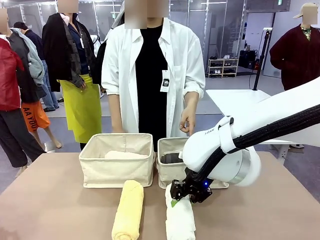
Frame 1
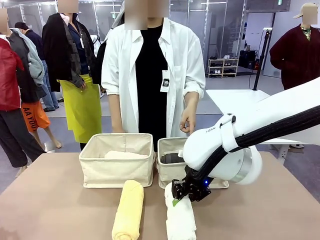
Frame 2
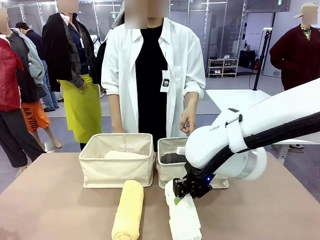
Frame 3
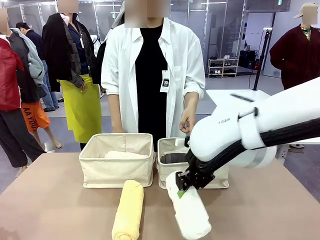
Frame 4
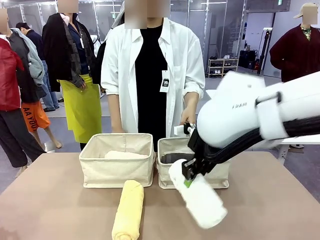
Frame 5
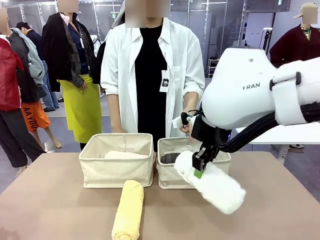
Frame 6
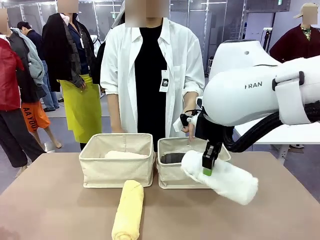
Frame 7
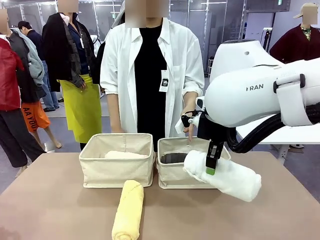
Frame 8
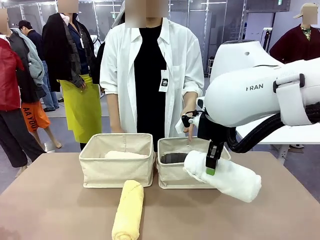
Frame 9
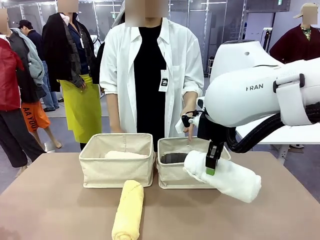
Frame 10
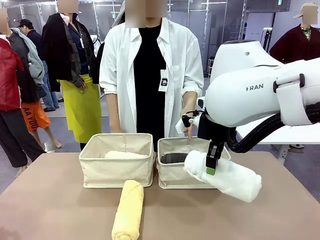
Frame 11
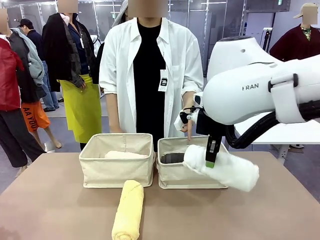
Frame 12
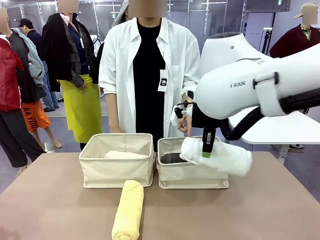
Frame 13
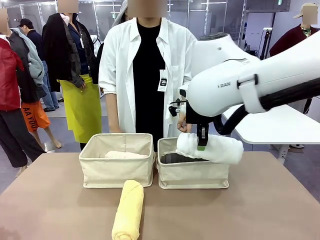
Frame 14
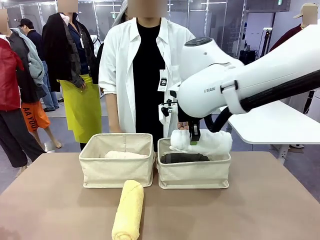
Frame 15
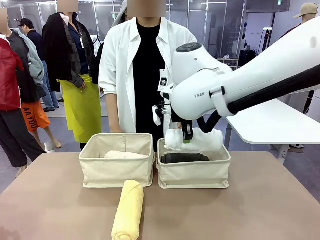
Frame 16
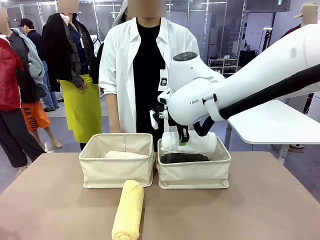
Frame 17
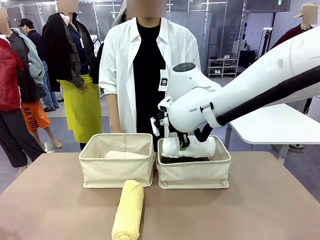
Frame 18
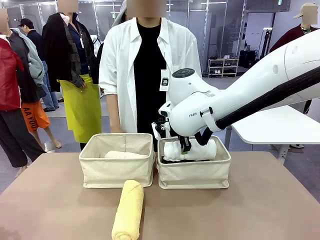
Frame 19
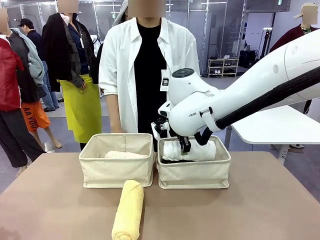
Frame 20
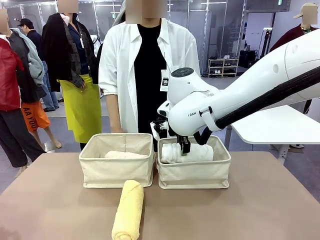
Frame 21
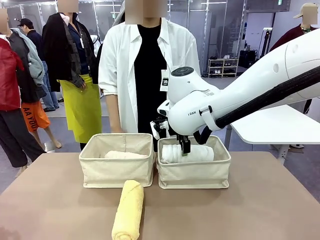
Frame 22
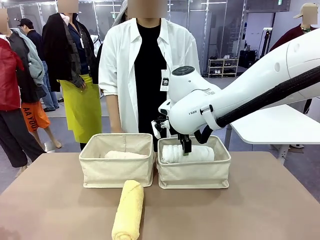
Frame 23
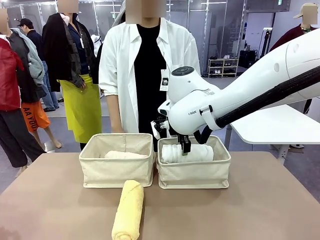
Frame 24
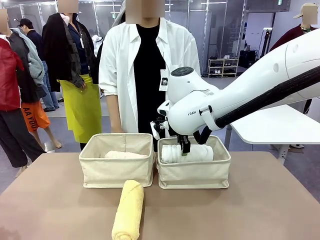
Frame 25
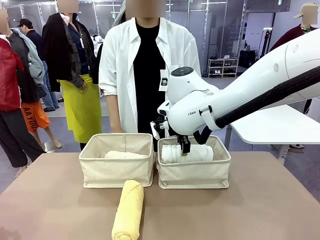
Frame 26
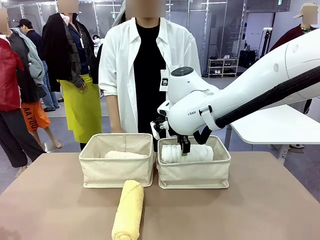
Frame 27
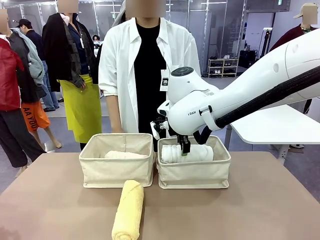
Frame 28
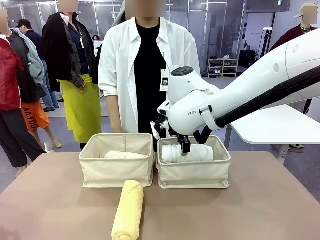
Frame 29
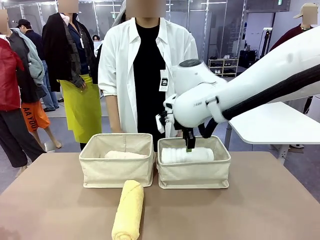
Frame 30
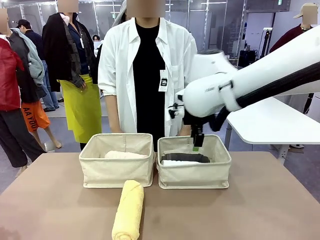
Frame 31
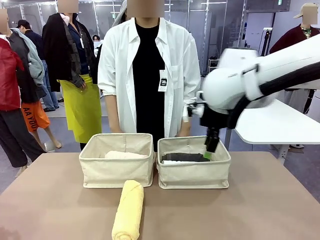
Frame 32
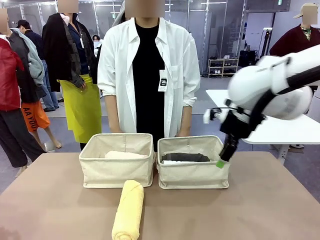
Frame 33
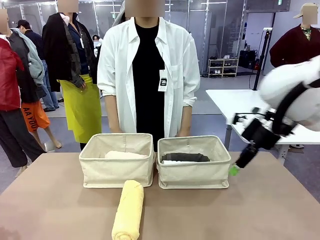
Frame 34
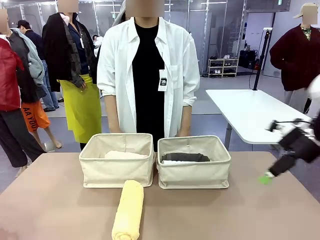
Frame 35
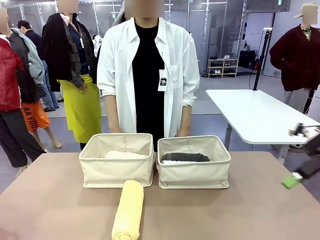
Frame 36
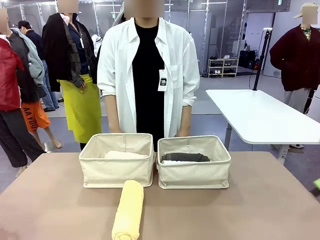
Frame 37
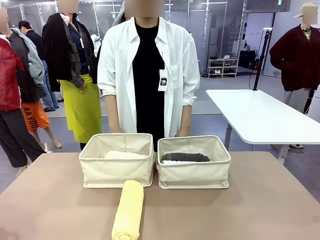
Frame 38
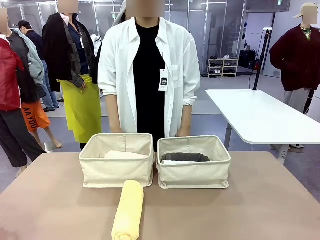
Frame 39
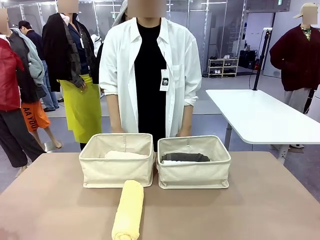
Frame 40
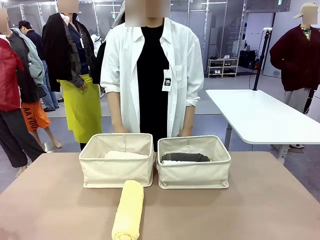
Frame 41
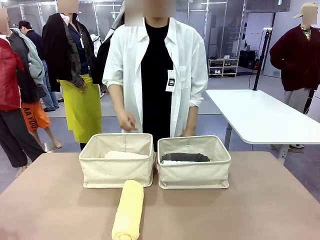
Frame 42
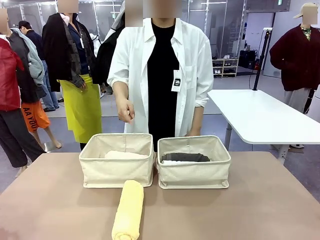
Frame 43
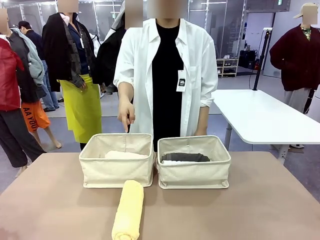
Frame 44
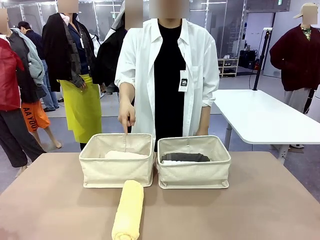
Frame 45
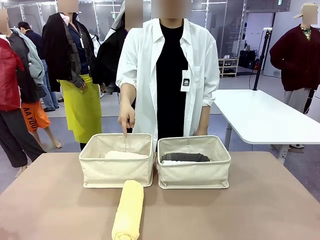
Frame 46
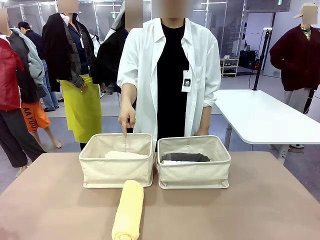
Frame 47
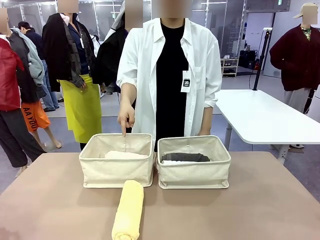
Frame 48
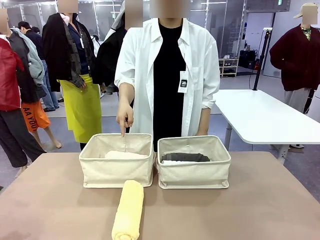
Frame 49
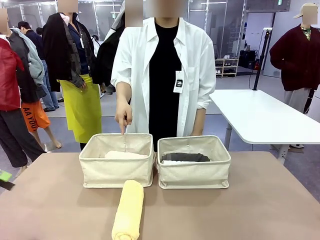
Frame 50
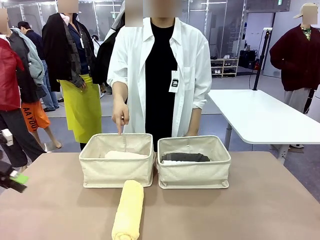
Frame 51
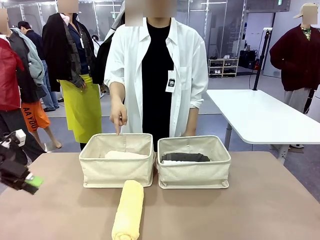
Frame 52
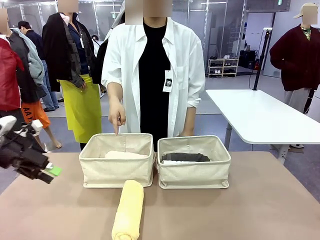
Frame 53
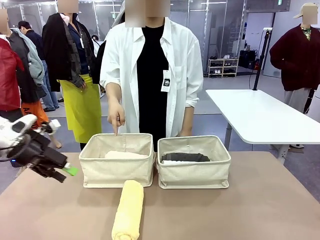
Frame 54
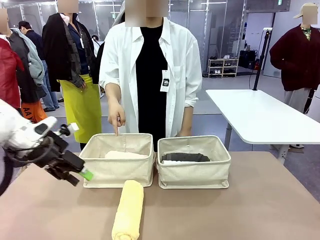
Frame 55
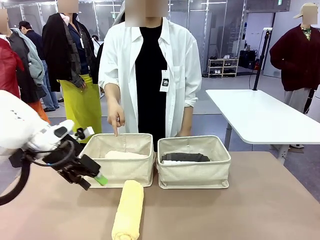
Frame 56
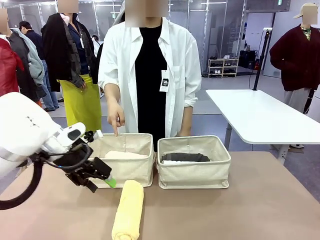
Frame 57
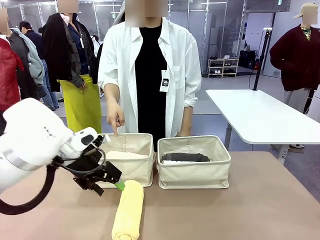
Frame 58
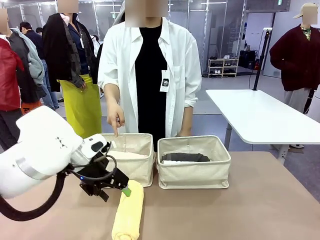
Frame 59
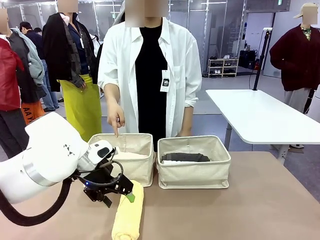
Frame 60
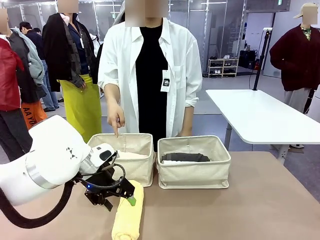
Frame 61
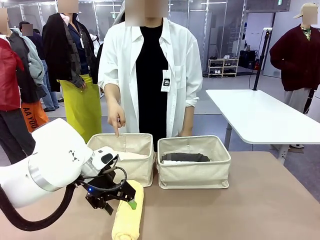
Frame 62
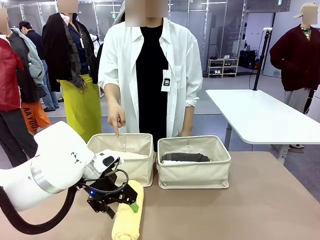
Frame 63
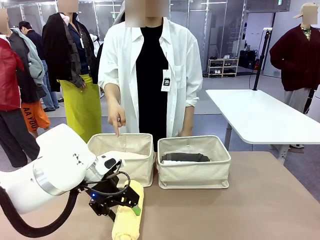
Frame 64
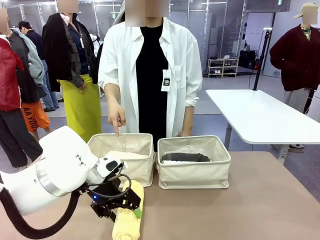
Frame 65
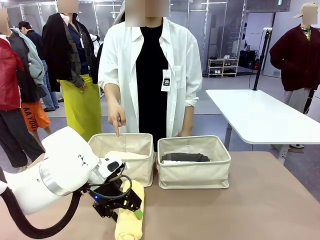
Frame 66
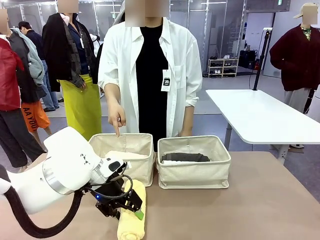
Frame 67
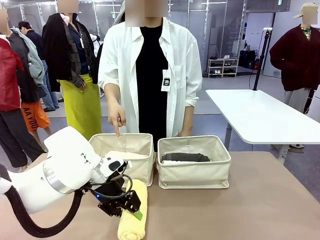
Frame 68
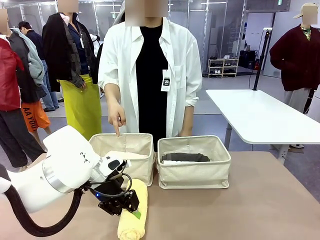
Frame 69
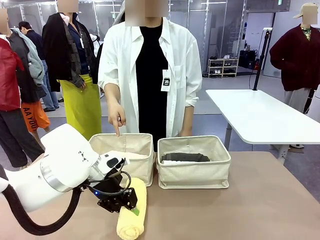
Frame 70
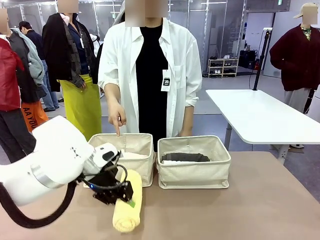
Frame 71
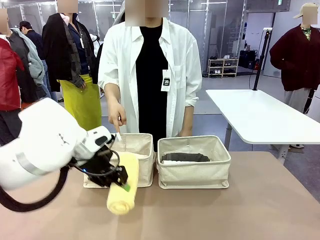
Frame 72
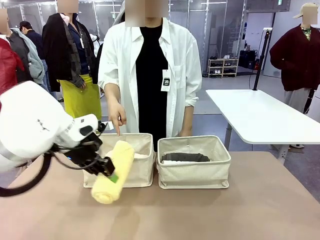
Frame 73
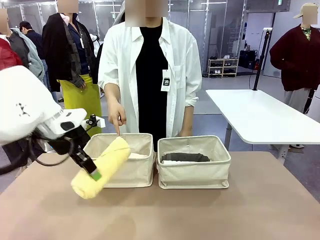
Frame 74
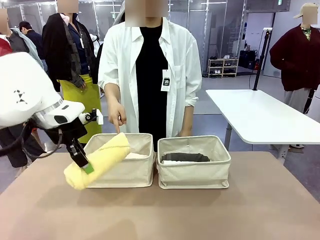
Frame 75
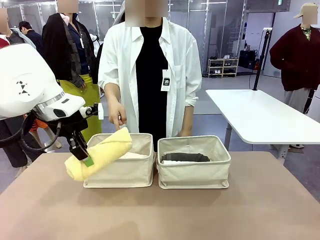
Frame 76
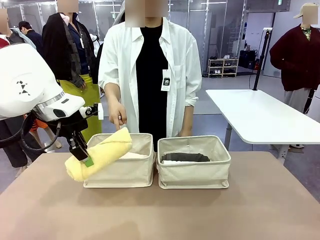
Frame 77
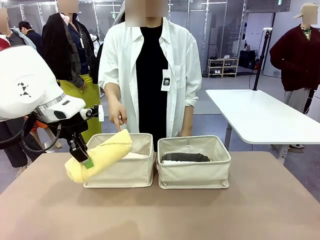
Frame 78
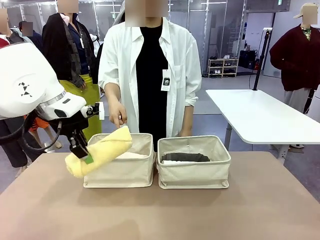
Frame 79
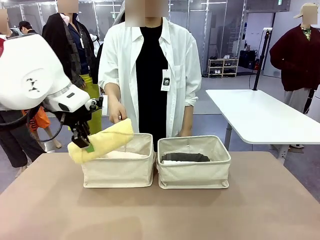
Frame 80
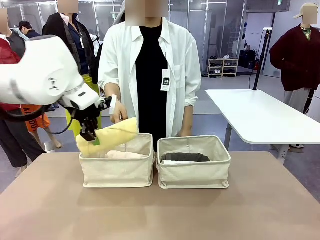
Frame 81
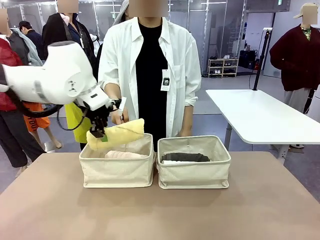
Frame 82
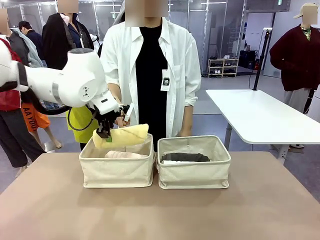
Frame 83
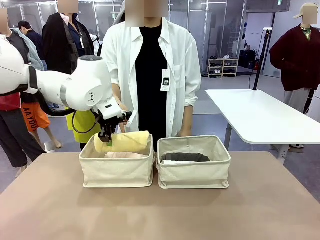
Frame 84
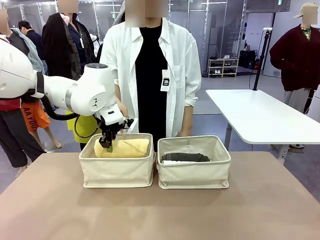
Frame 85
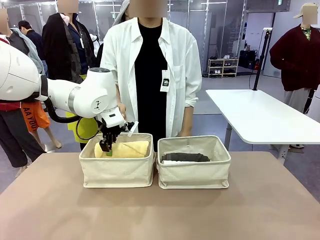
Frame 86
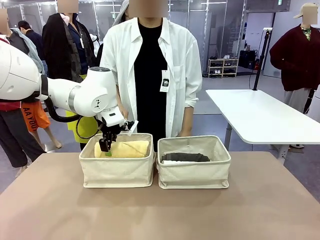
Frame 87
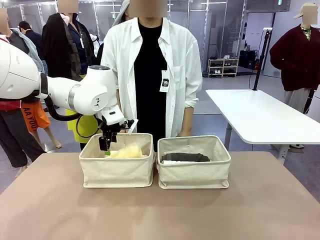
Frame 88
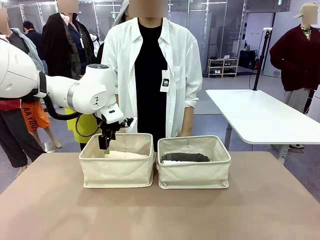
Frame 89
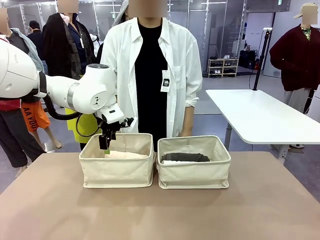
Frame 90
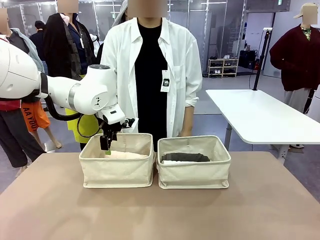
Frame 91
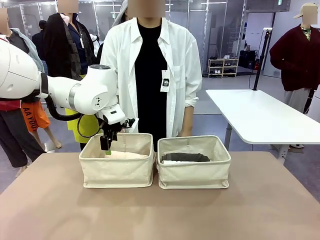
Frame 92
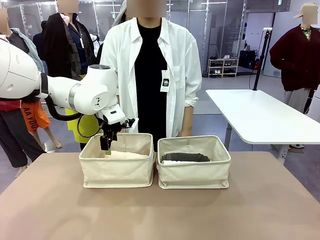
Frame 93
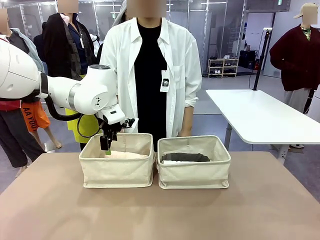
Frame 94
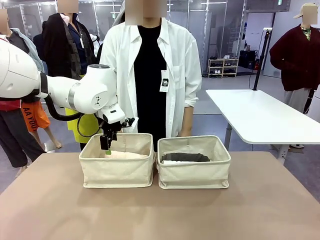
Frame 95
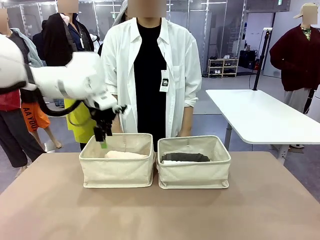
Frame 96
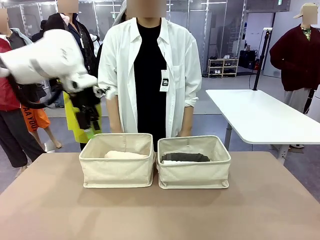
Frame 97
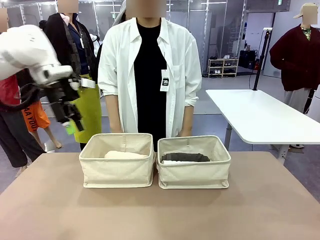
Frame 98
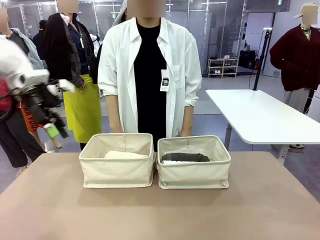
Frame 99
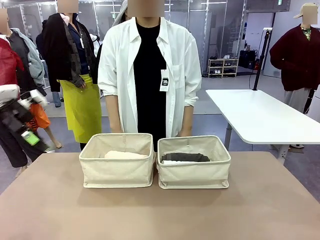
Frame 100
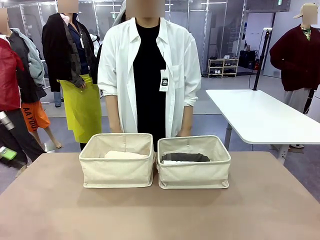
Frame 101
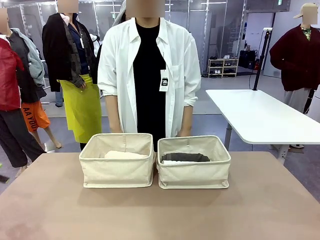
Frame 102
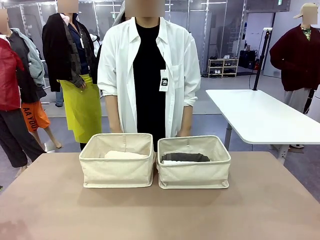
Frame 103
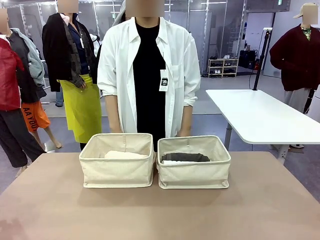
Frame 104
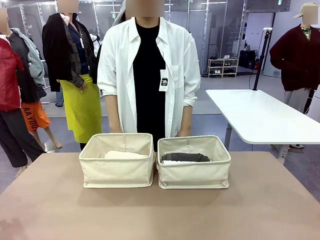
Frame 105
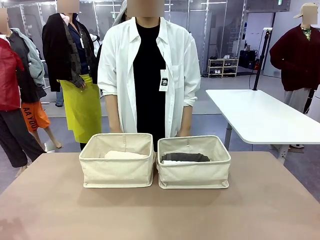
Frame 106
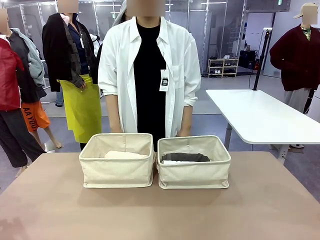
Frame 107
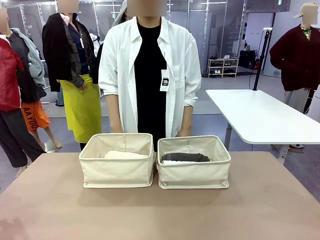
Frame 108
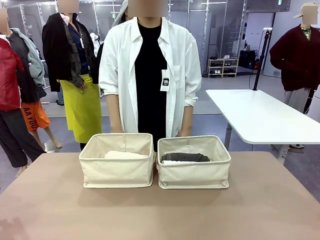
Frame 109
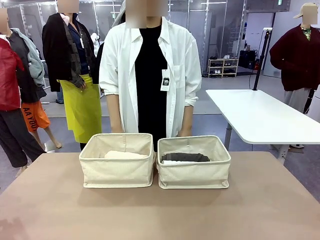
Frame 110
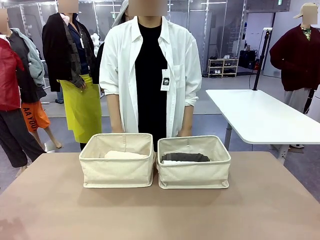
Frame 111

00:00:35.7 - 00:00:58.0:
Task: Divide the towels into two baskets.
Robot: Pick up one hotel-folded towel from the bottom of the table and place it in the Fabric basket indicated by the person.
